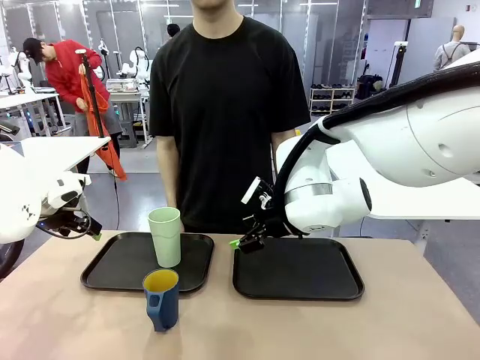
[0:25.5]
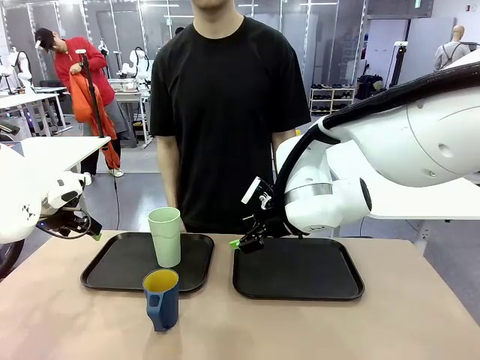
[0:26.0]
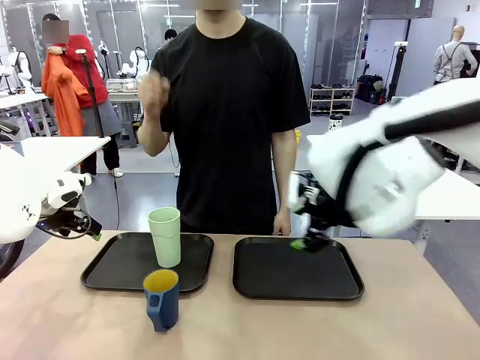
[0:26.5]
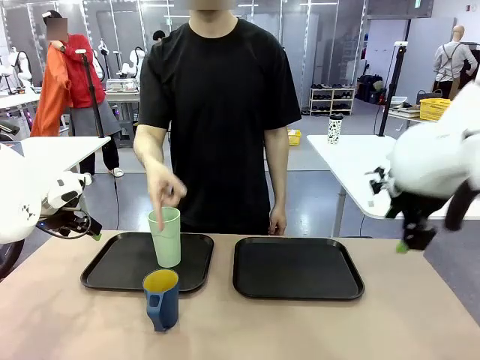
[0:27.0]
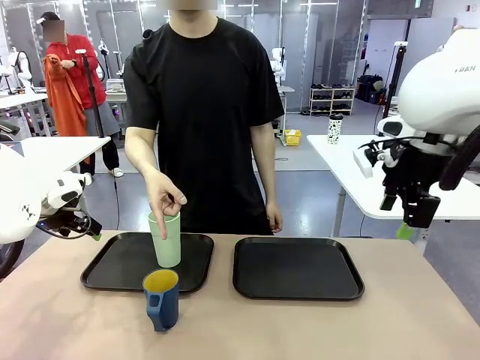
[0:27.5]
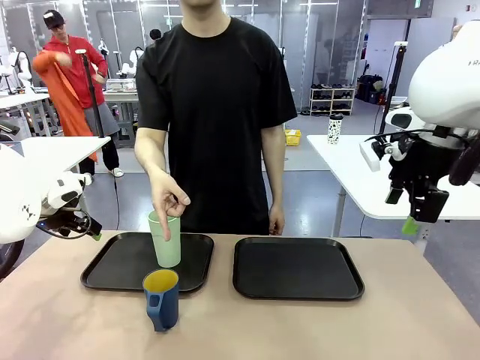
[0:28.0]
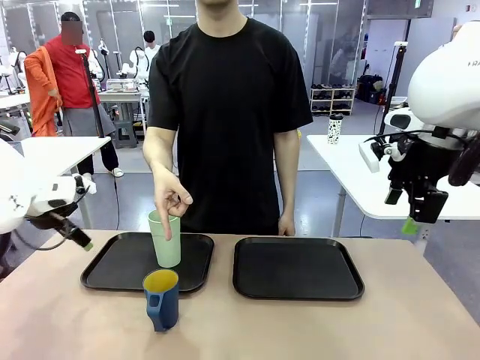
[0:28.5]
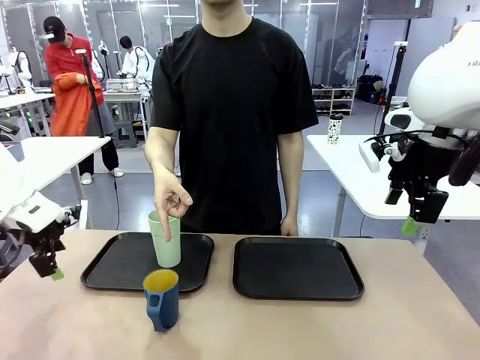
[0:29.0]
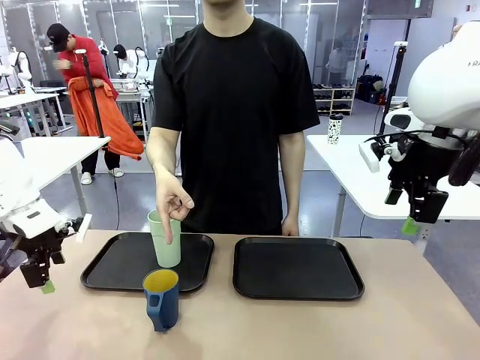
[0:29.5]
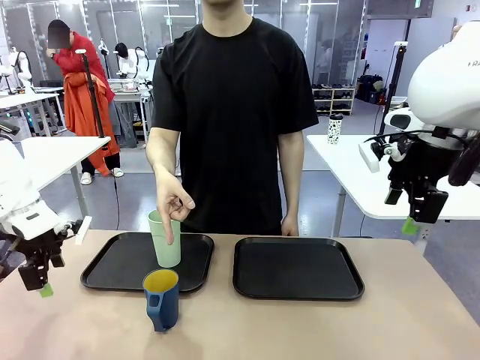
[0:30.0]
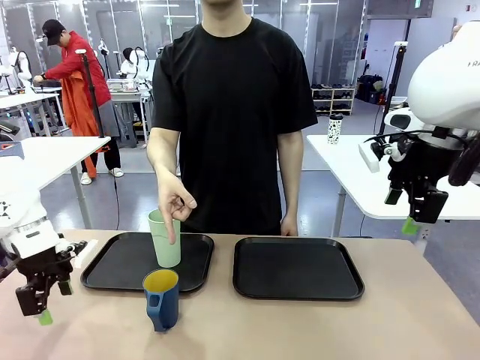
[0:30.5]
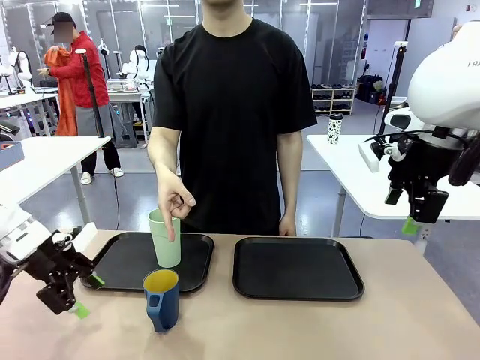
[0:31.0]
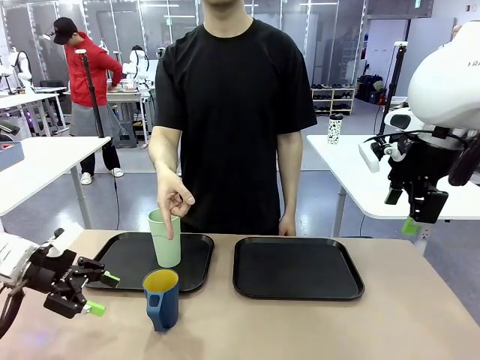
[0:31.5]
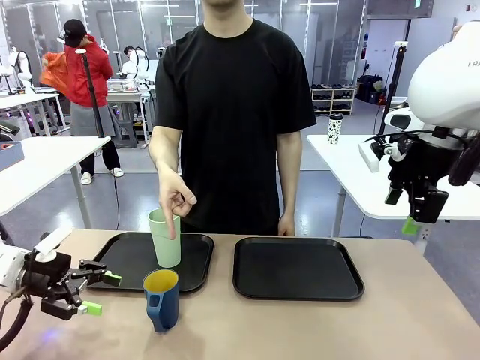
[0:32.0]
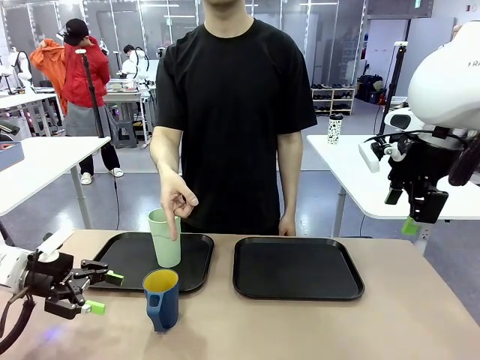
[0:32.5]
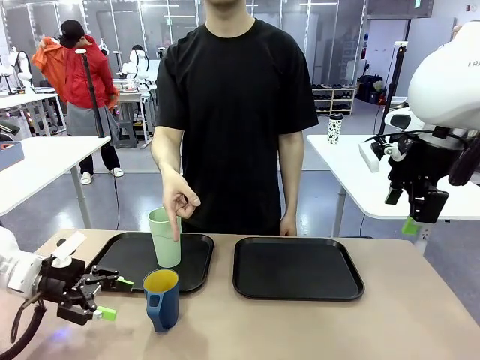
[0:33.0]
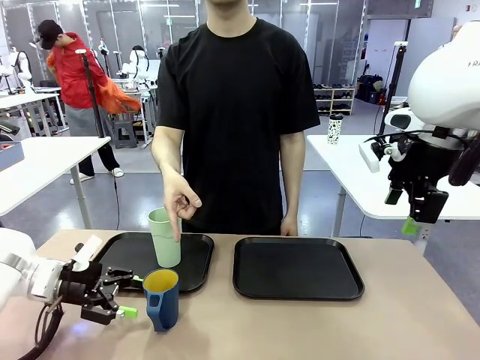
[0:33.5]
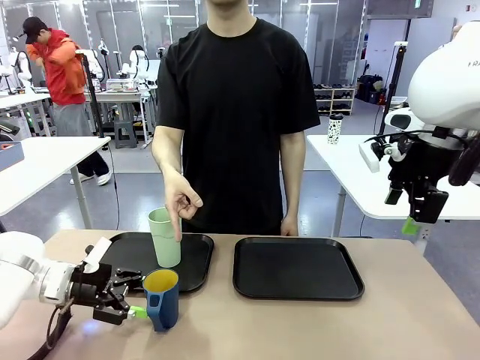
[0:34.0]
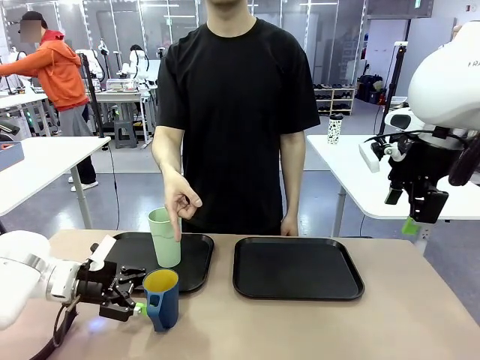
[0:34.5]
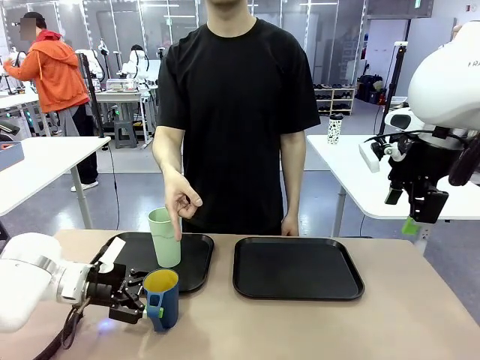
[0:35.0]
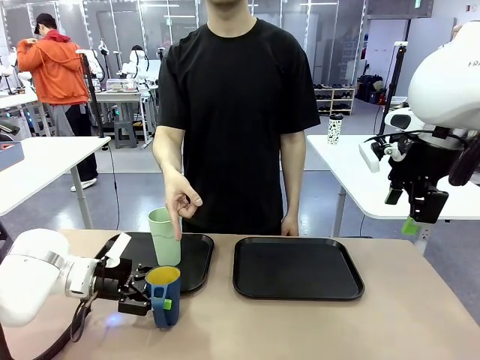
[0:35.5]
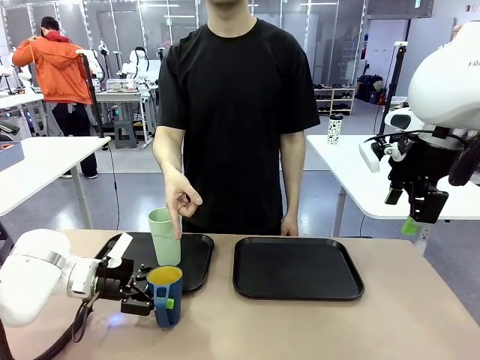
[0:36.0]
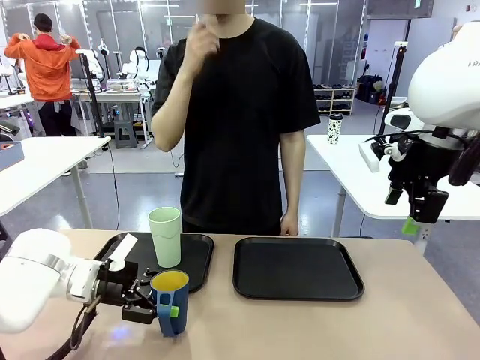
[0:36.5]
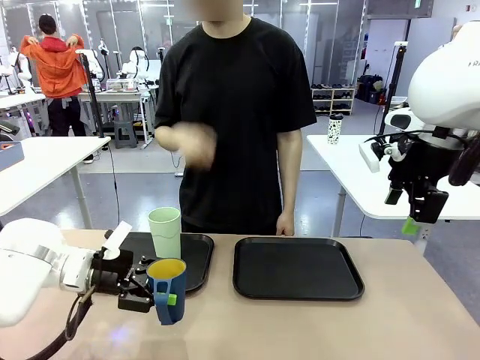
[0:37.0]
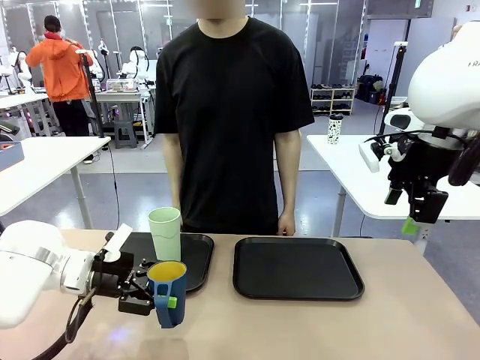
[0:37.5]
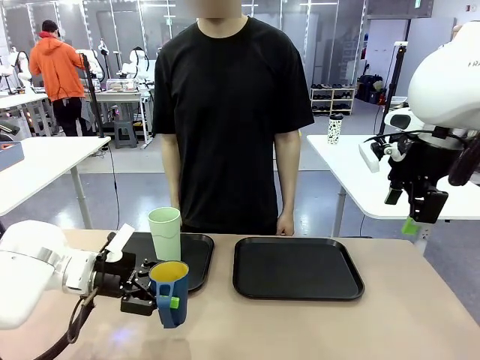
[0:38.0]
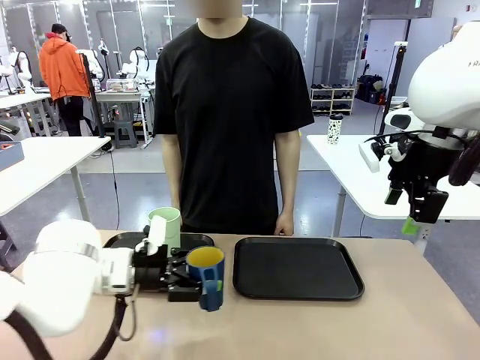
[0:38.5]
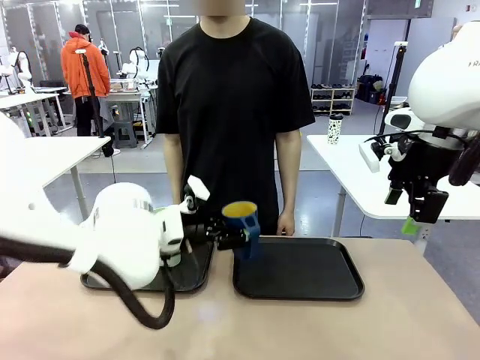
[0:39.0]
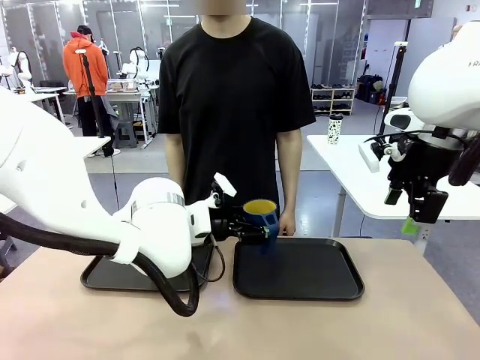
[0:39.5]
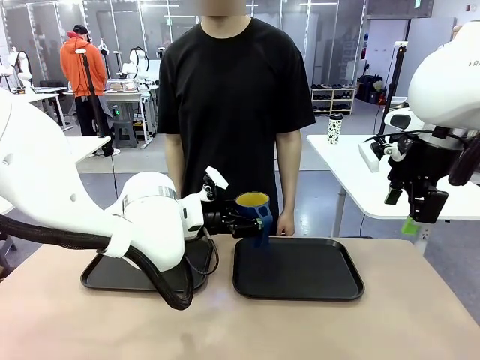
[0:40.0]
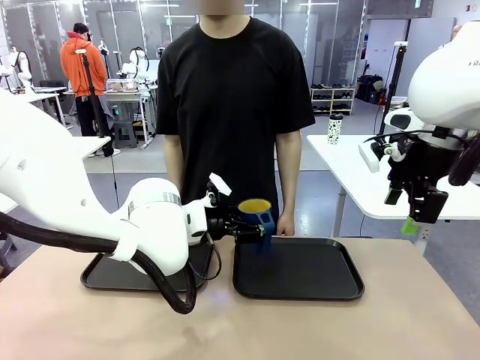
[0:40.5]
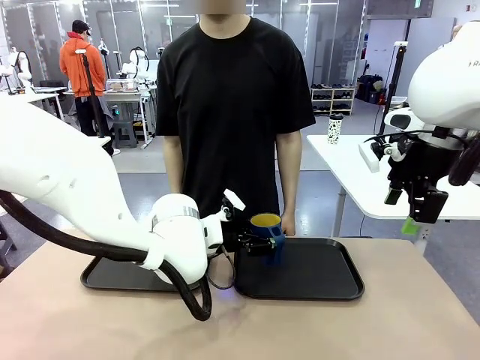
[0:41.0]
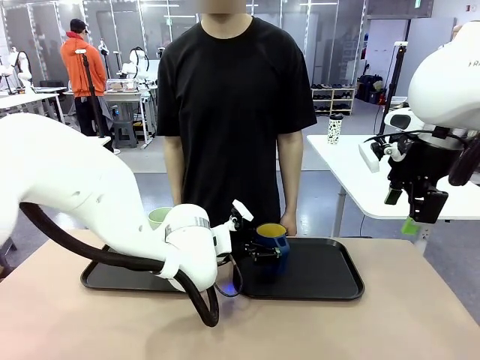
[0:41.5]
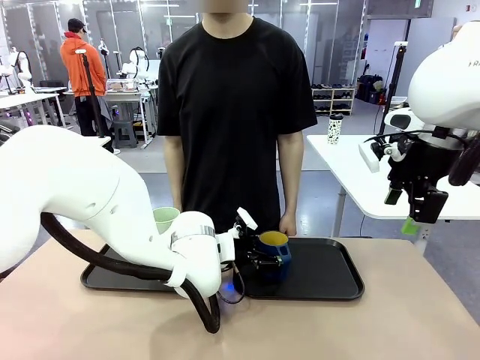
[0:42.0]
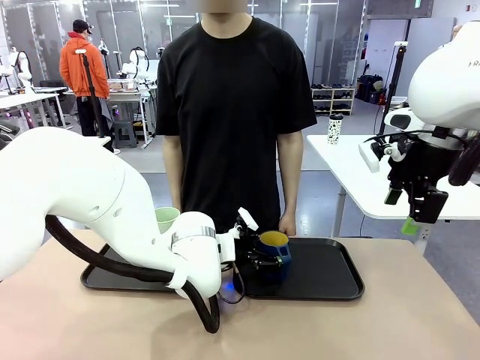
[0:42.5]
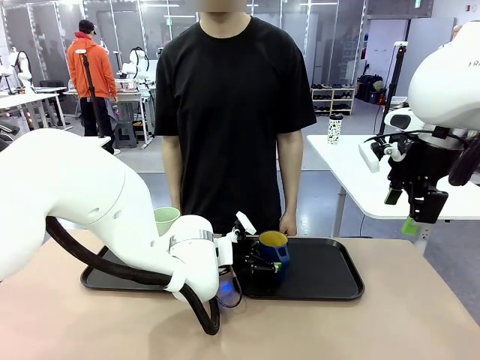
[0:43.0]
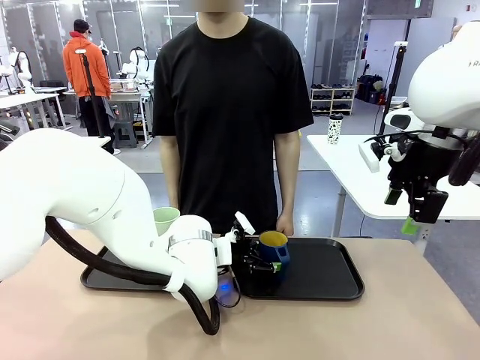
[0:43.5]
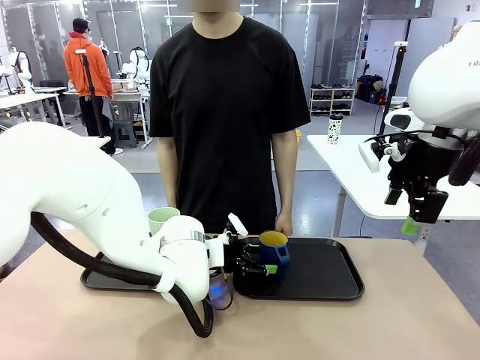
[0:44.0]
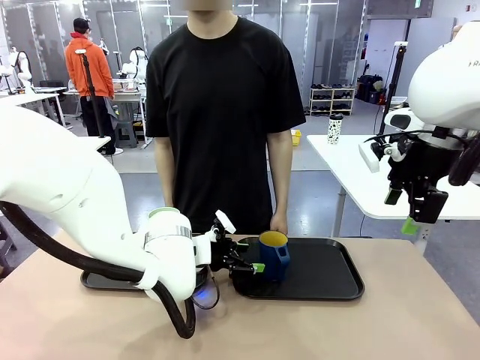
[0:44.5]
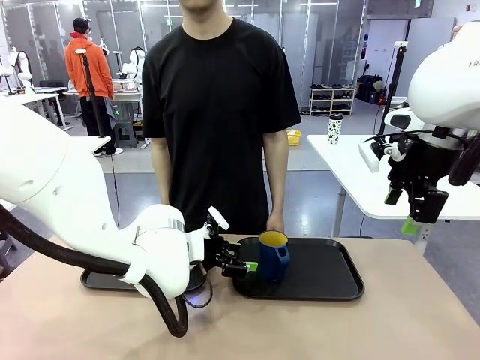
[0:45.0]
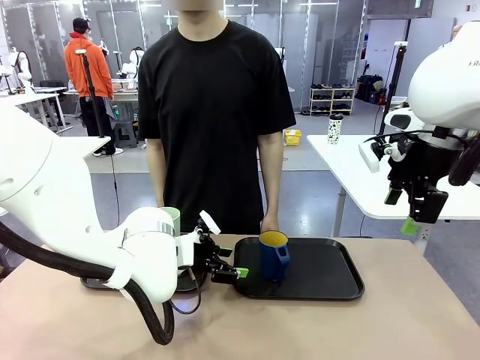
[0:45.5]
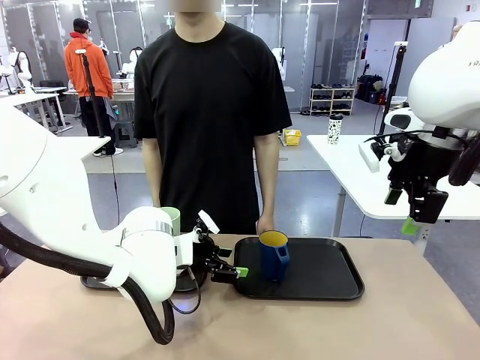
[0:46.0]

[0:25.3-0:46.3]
Task: Sort and store the cups by type.
Robot: Pick up the Handle plastic cup and place it into the empty Flat Tray.
Person: Points to the cup with a handle.

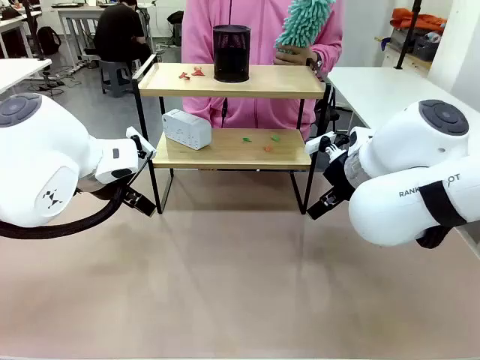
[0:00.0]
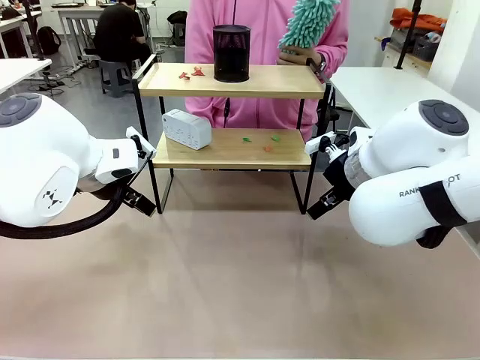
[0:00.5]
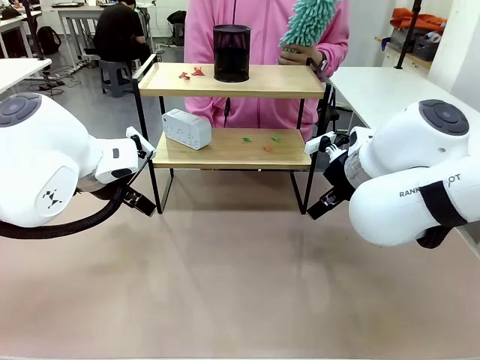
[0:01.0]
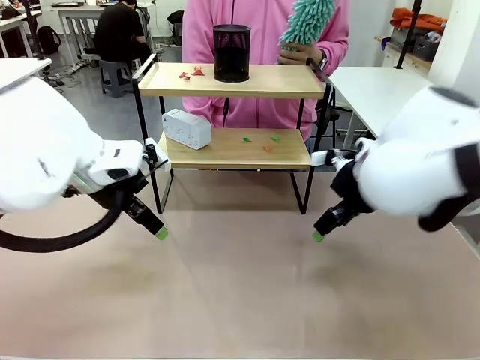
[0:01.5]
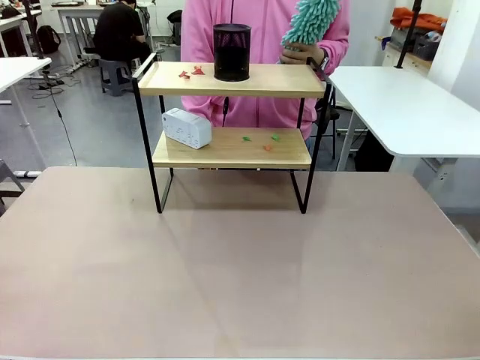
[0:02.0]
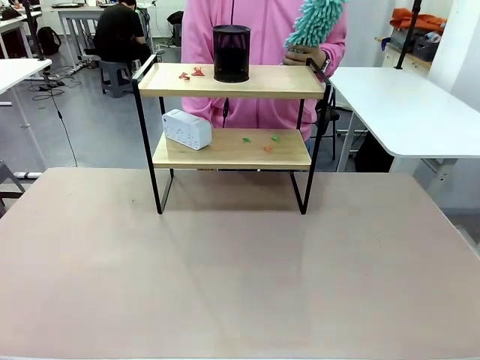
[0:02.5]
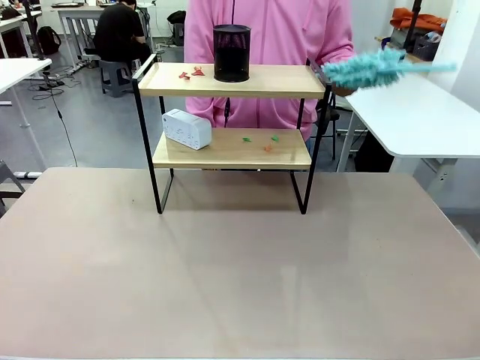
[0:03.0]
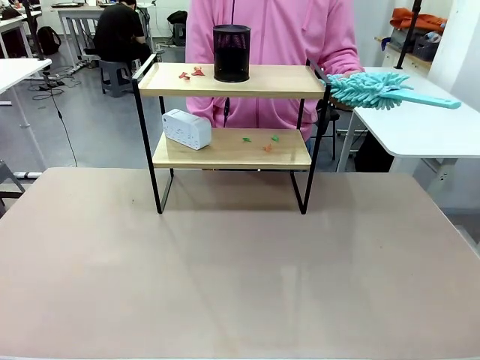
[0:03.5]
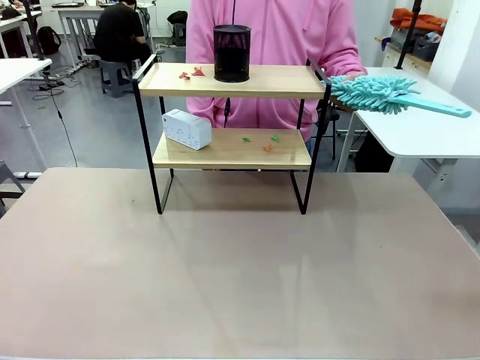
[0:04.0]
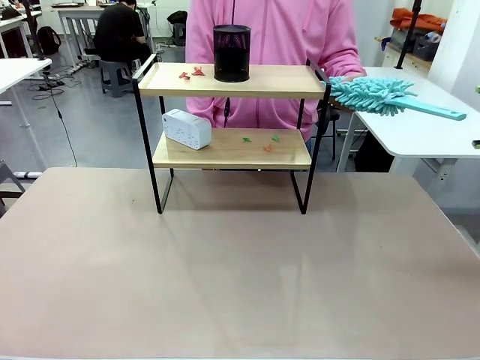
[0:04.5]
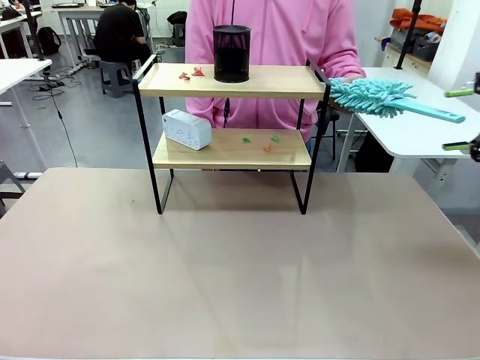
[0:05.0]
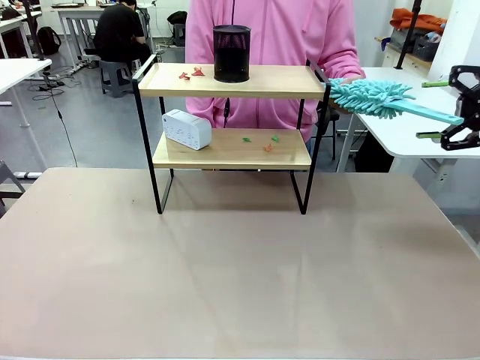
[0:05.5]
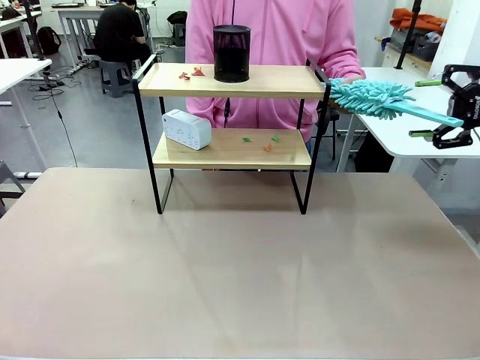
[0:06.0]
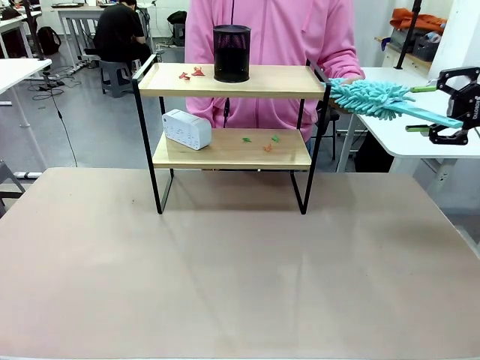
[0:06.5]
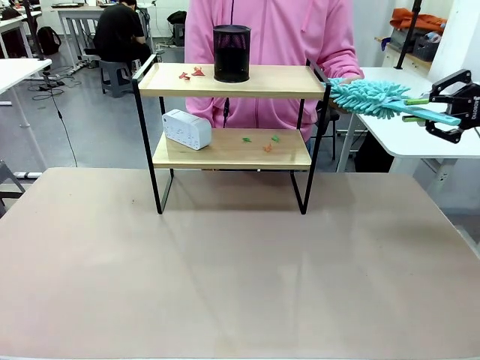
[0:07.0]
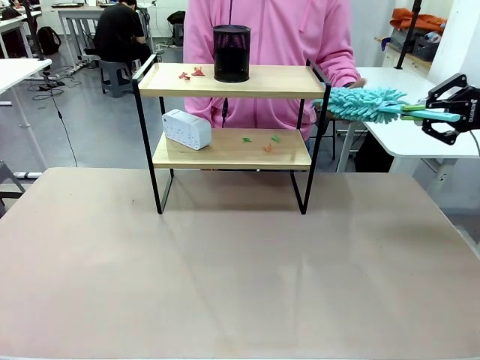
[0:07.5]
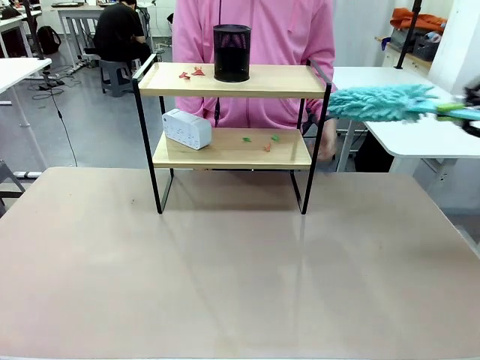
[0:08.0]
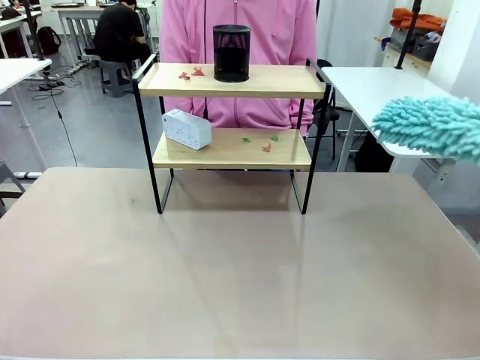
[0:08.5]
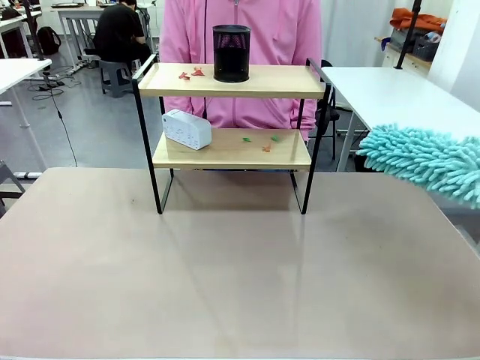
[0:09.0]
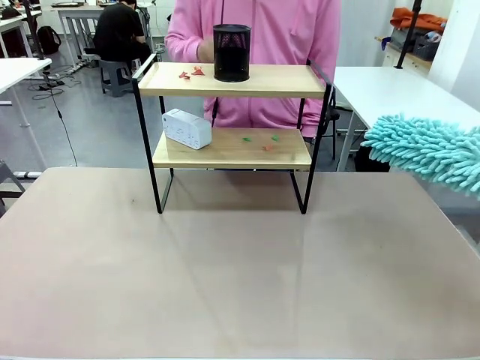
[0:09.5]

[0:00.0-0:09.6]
Task: Clean the shelf.
Robot: Pick up the Duster from the human.
Person: Hand the Duster to the robot.
